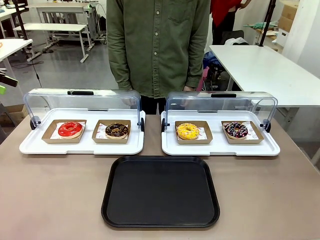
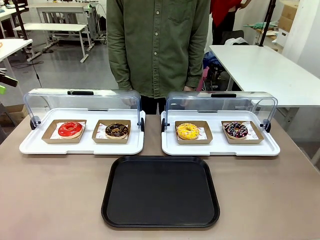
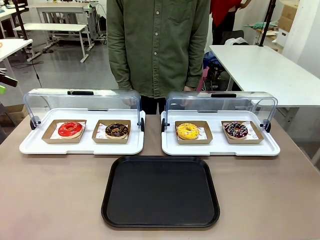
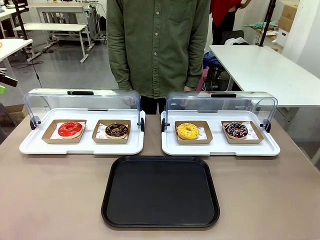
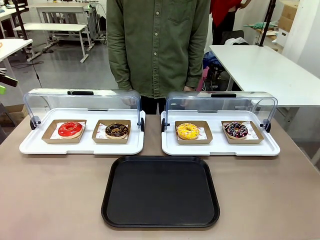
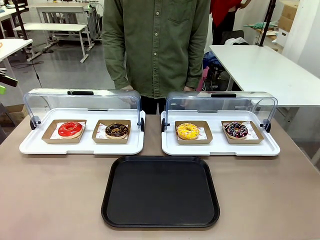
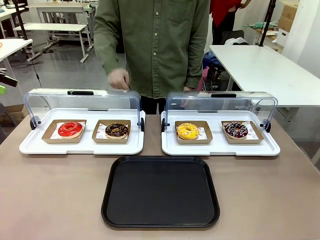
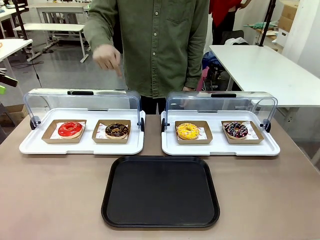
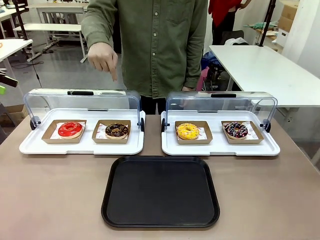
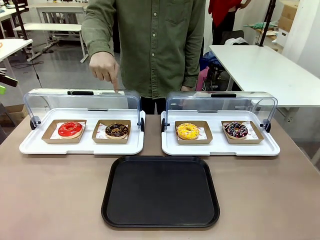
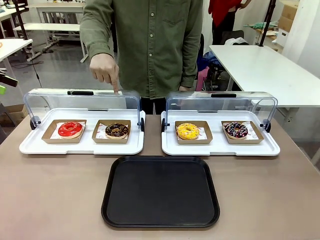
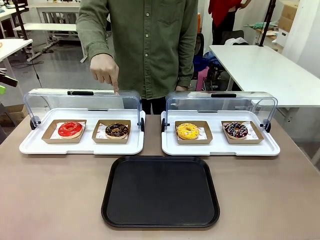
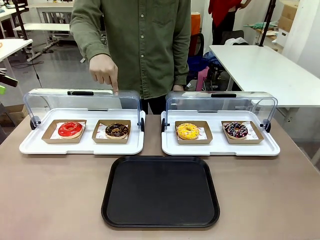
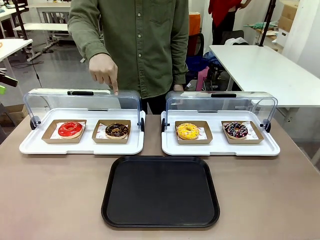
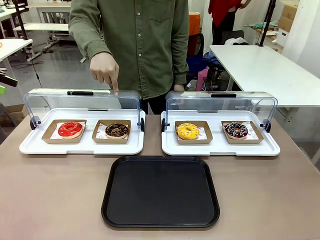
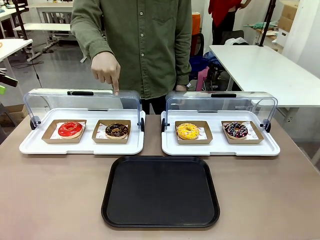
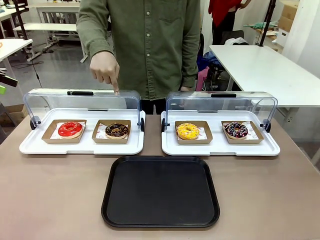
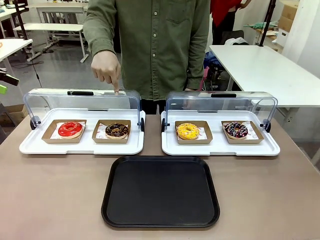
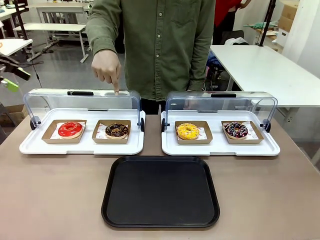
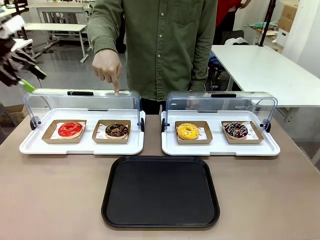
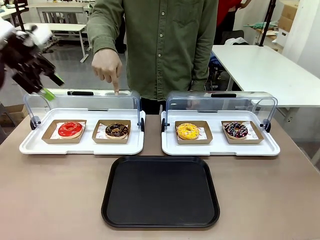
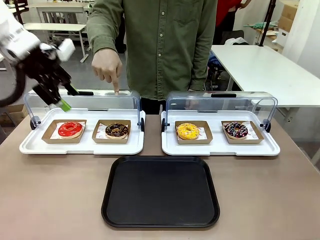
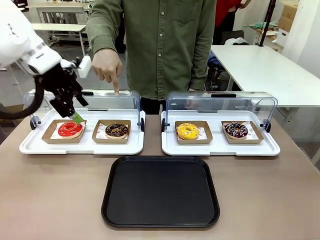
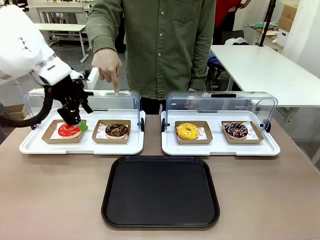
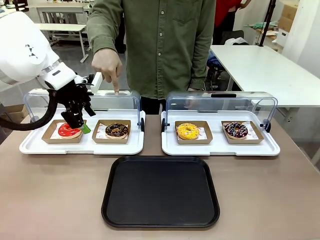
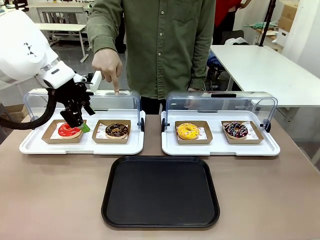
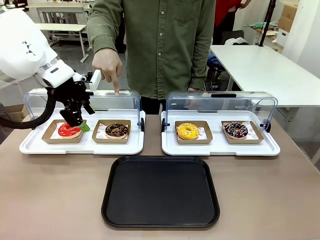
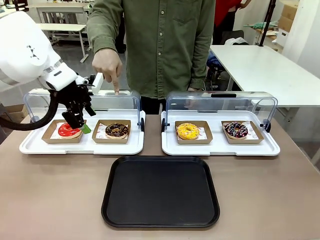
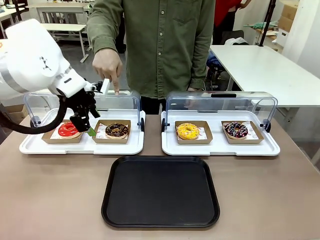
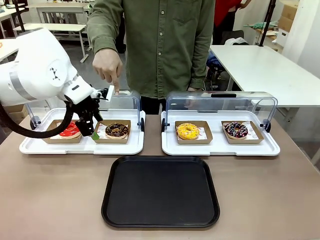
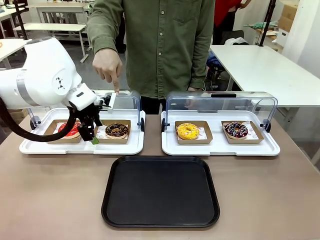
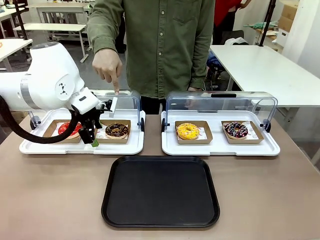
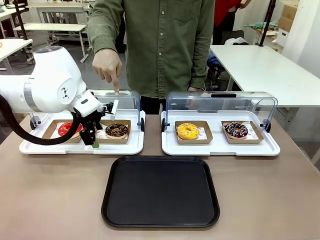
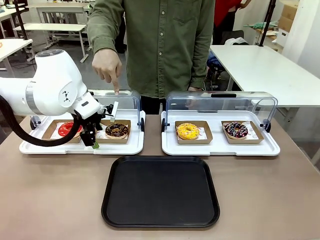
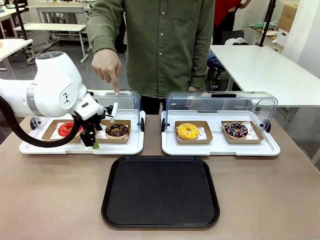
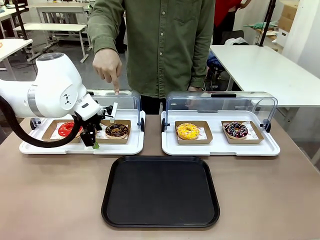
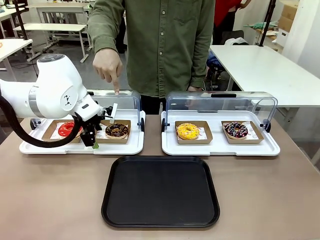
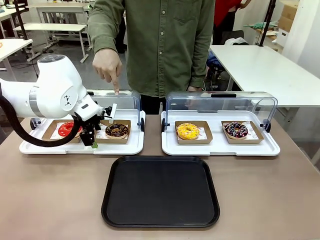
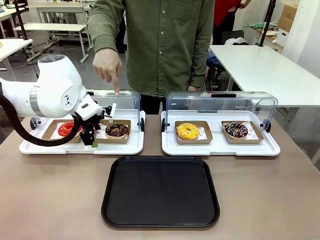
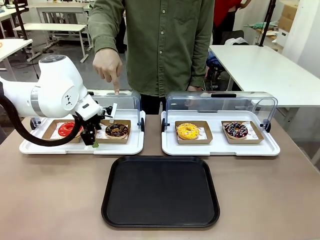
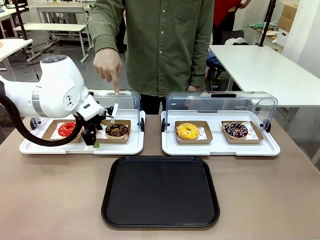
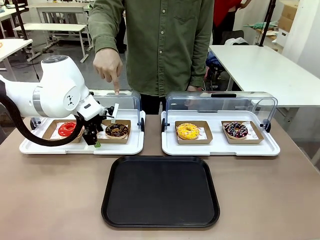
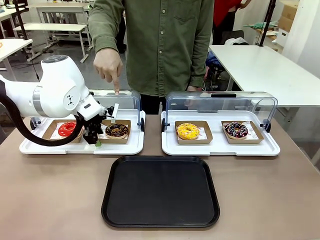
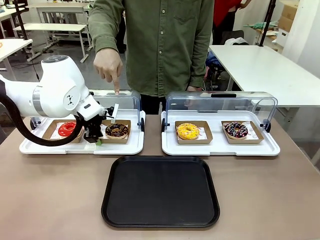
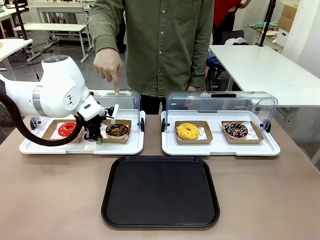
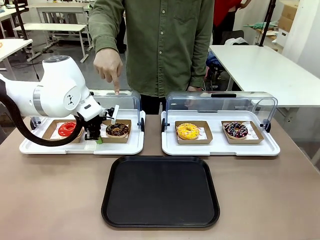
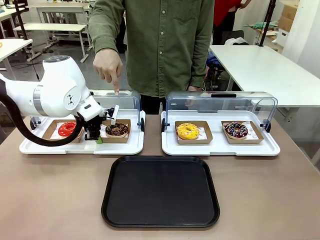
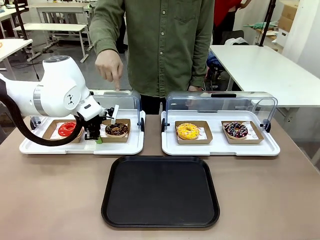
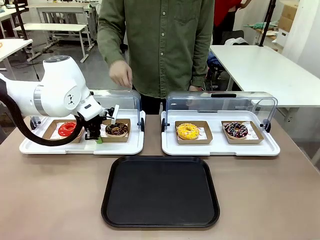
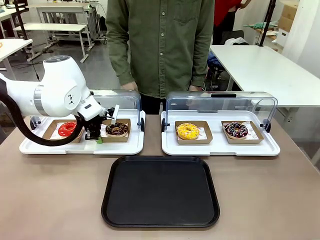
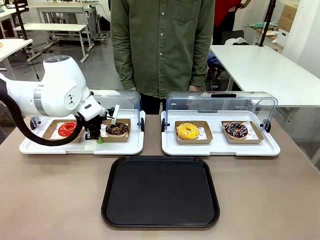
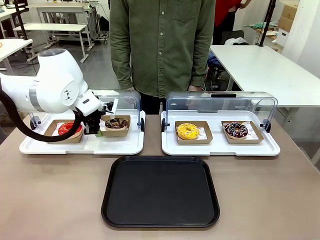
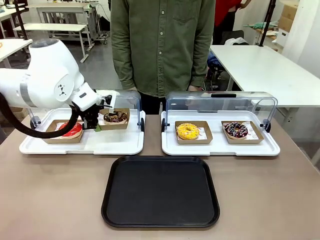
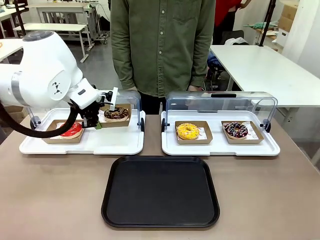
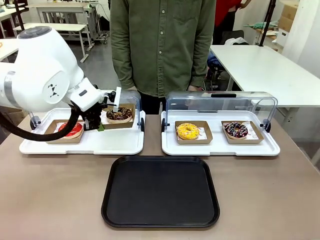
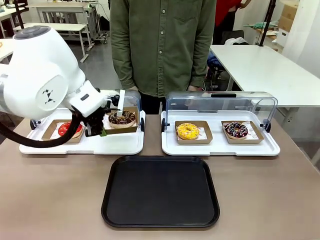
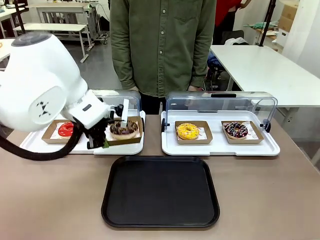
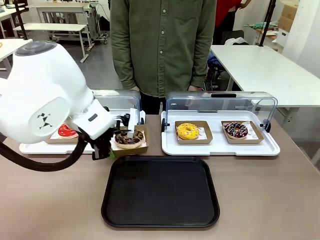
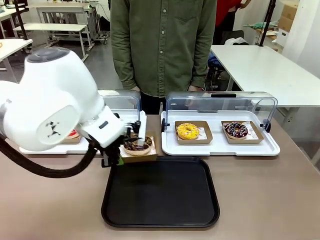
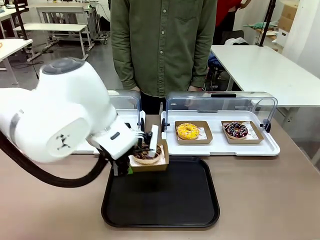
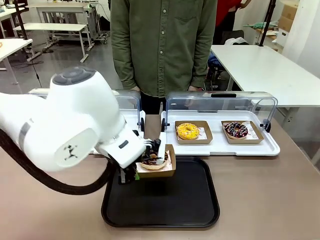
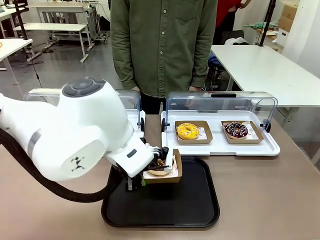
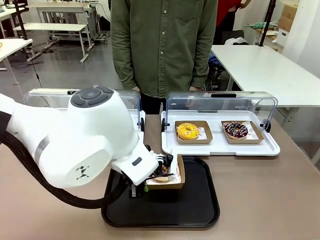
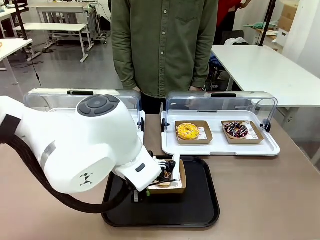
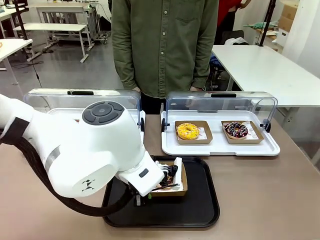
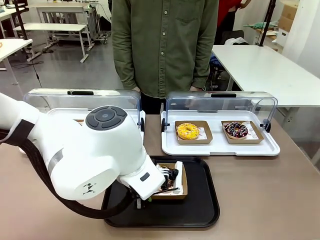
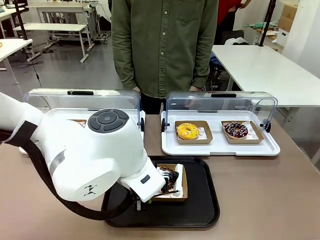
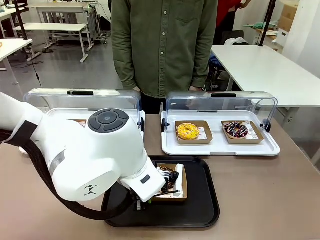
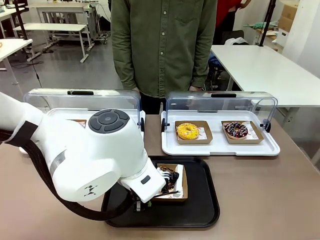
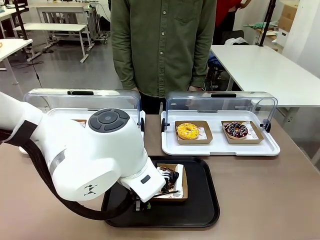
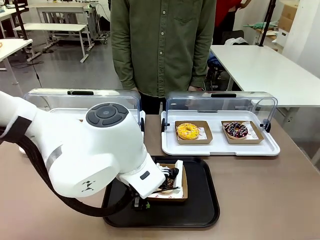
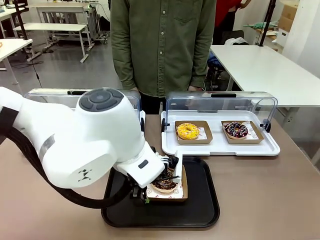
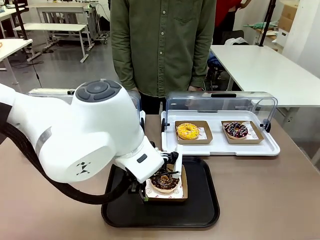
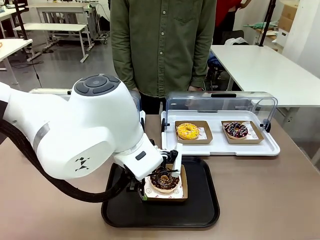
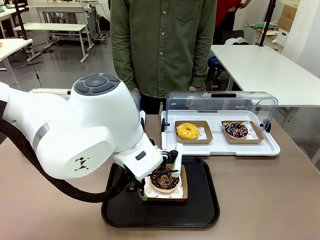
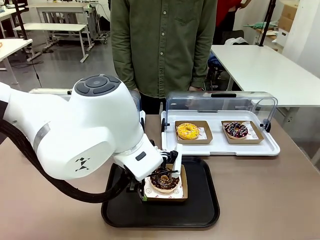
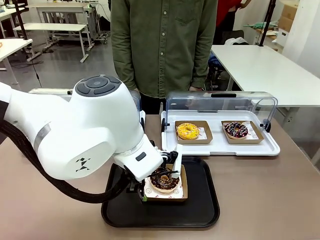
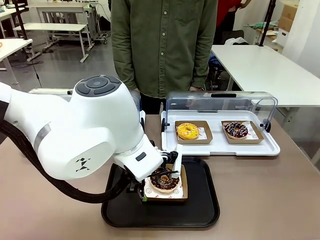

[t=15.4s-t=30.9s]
Task: Move the second donut from the left to the tray.
Robot: Pick up the Paper togo box containing the Donut indicated by the person and place it on the Handle tray.
Person: Points to the second donut from the left from the robot’s perspective.

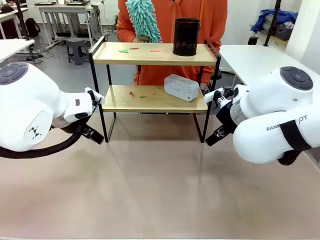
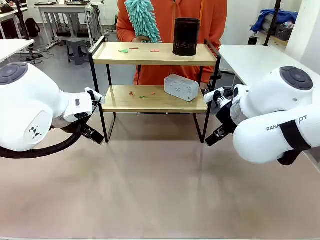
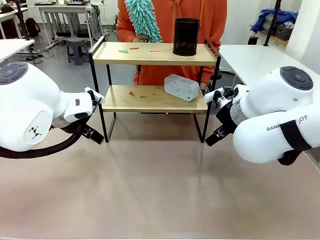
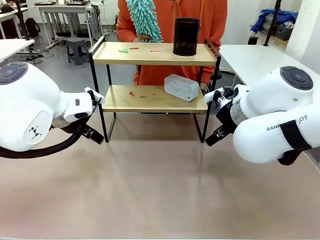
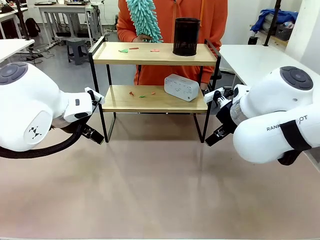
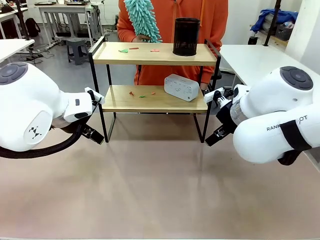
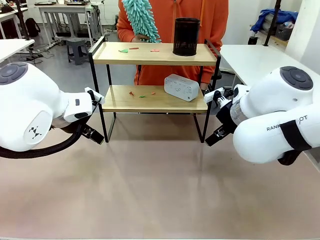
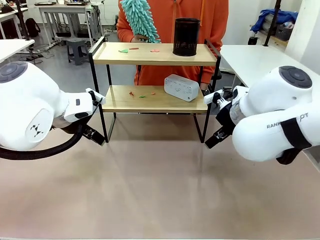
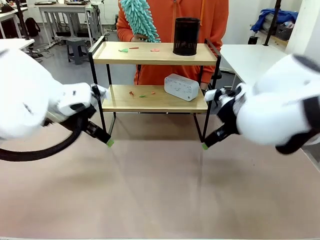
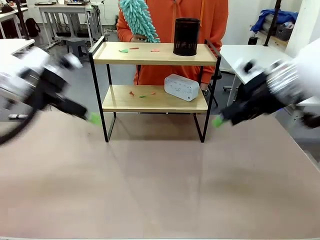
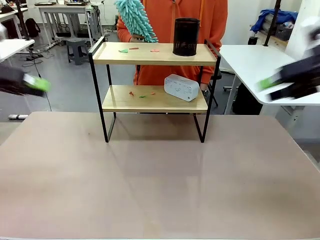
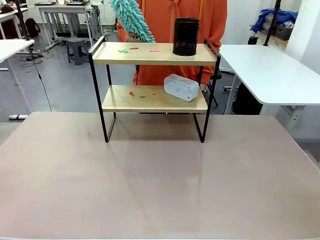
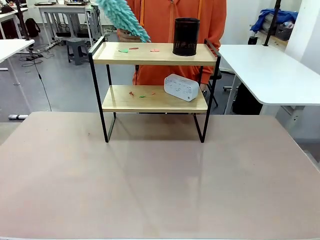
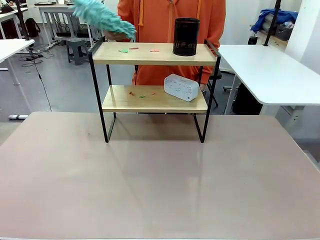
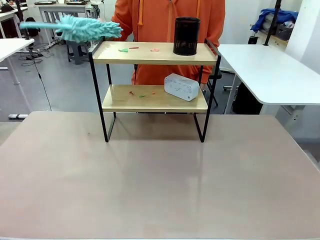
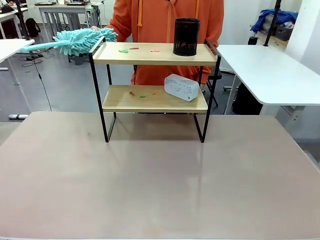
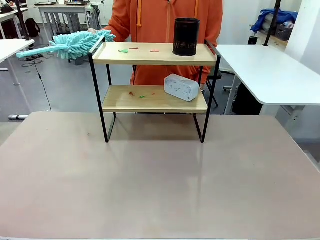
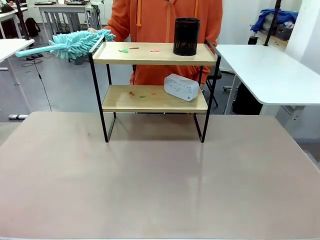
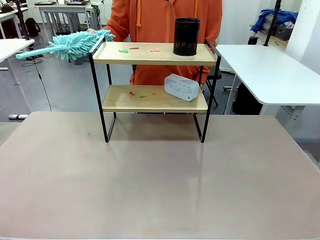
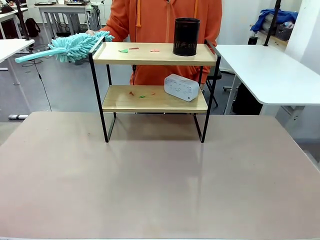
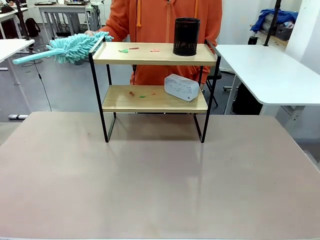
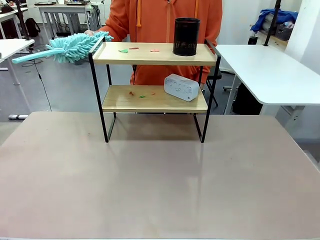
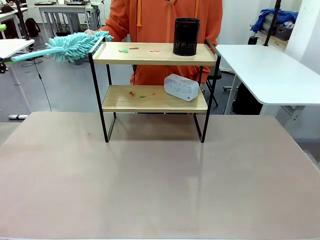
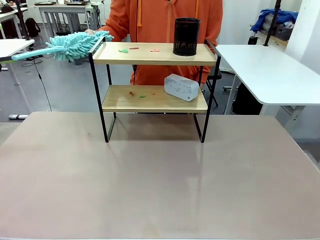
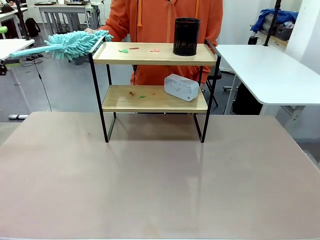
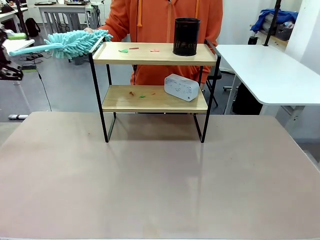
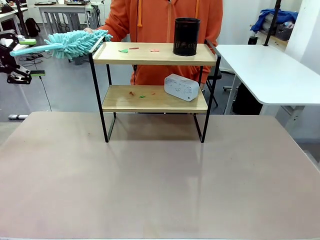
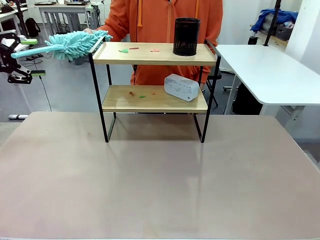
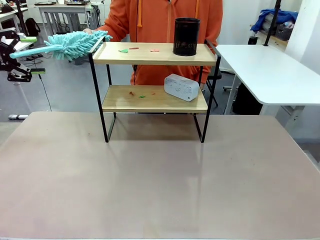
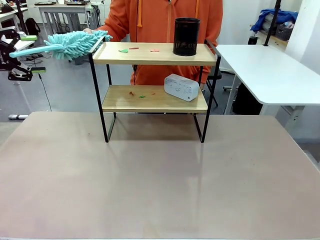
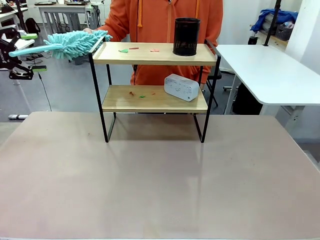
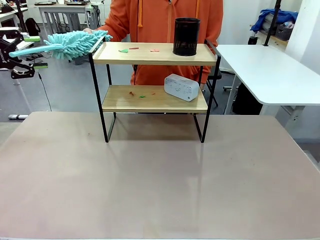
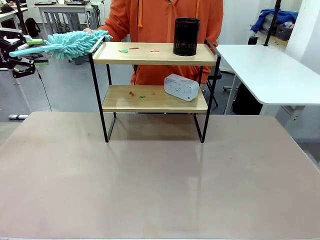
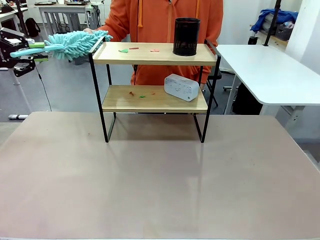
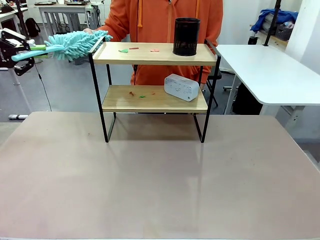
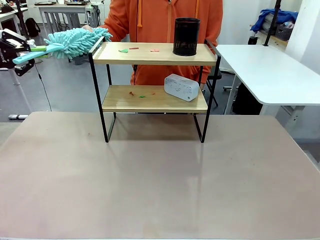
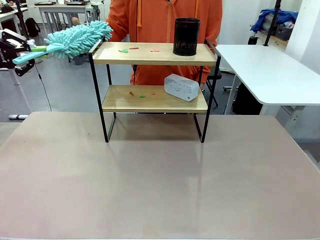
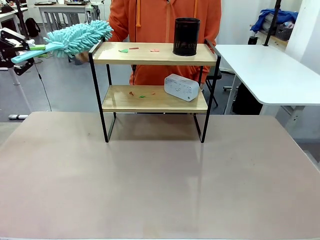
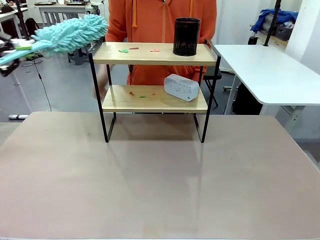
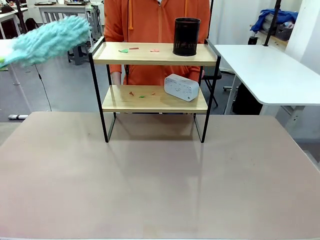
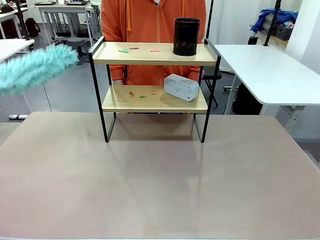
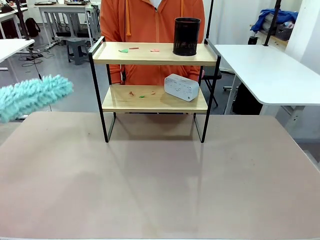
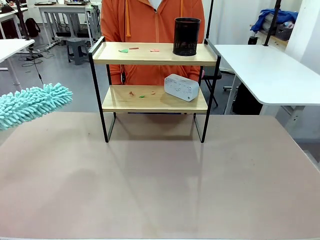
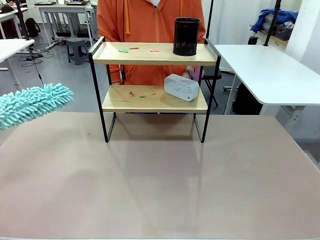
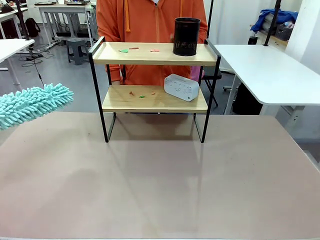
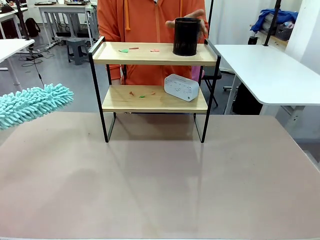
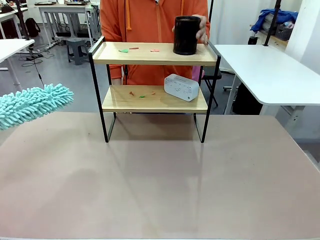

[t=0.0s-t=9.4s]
Task: Clean the shelf.
Robot: Pick up the Duster from the human.
Person: Hand the Duster to the robot. Lift the objects on a randomly selected tier of the Shelf.
